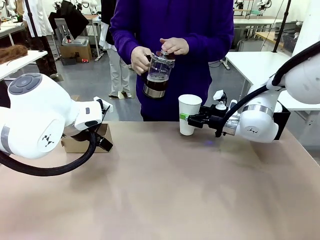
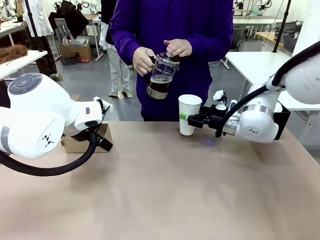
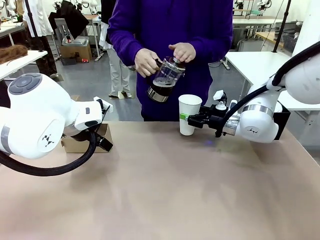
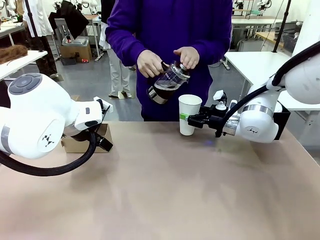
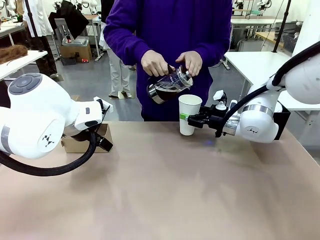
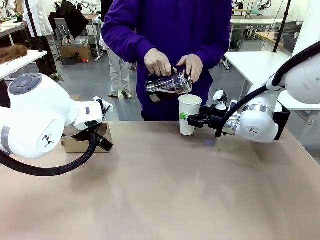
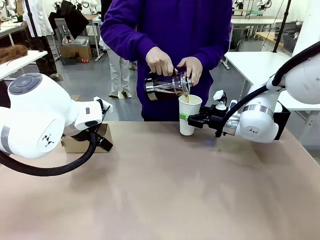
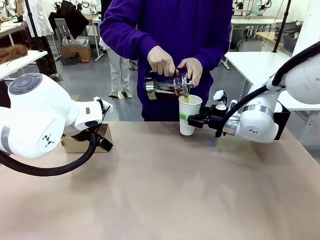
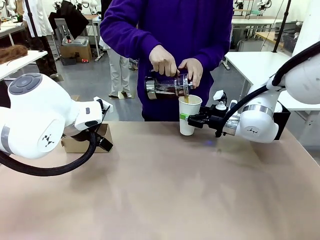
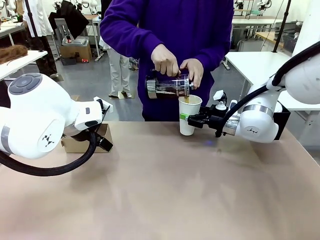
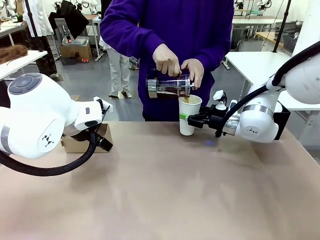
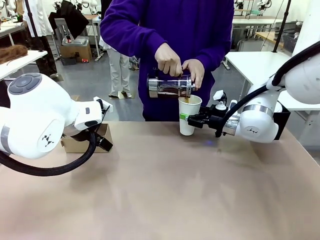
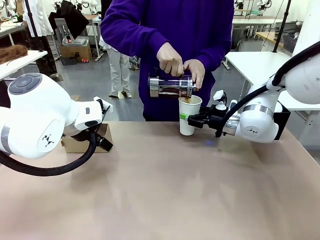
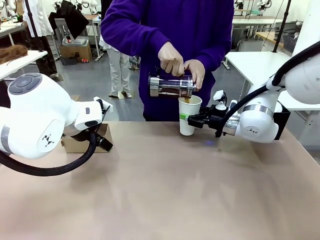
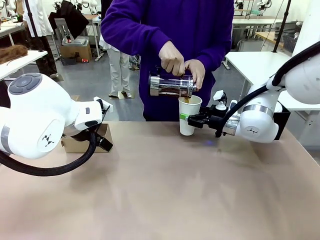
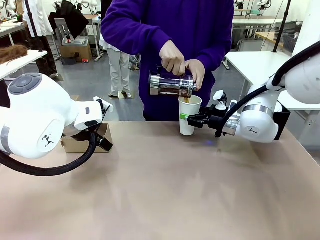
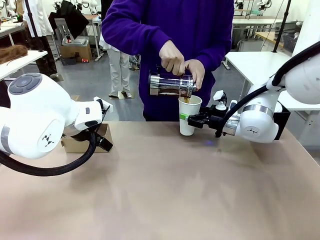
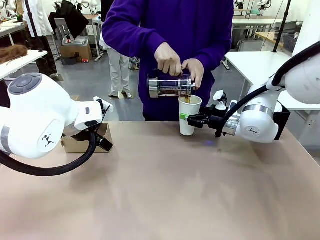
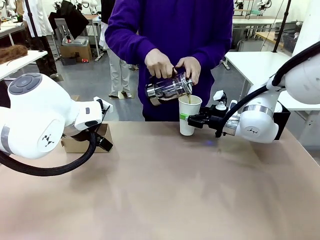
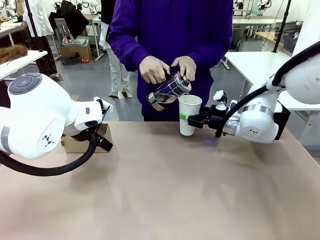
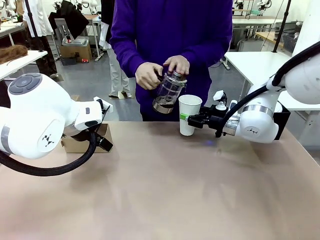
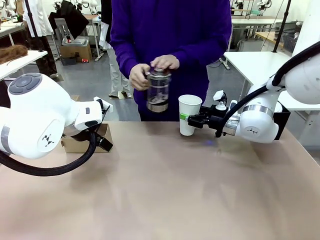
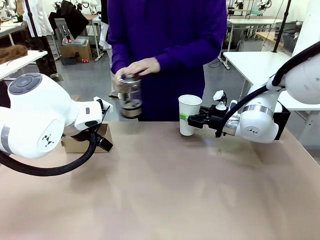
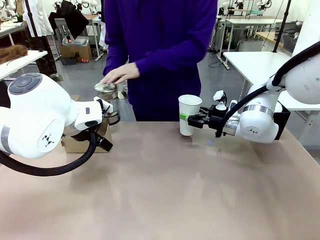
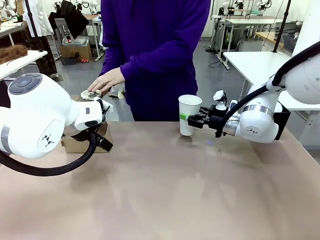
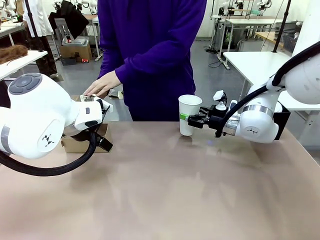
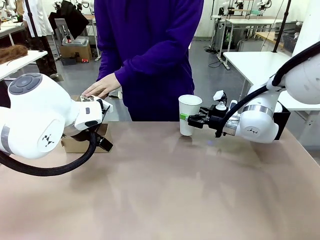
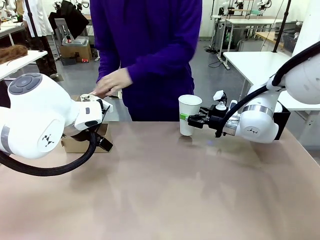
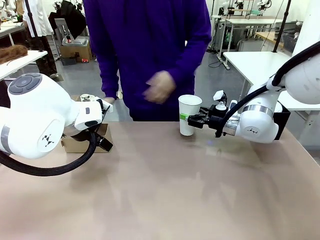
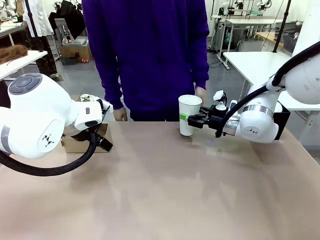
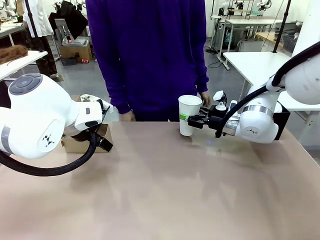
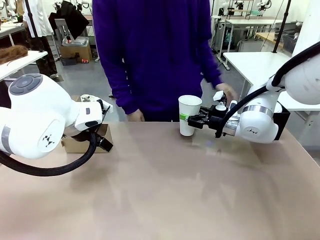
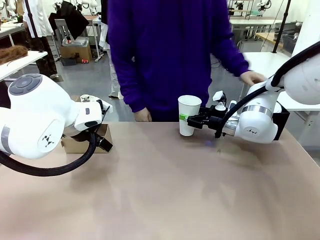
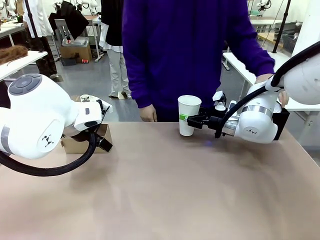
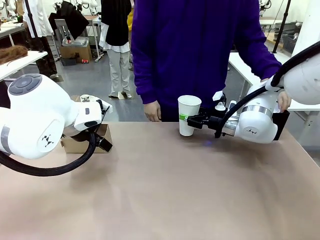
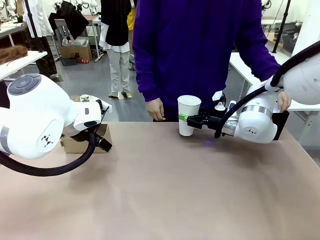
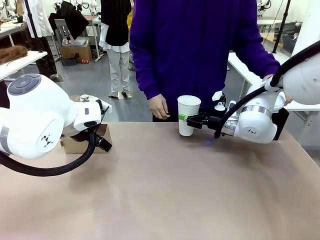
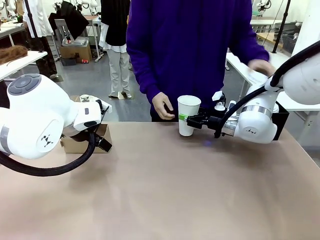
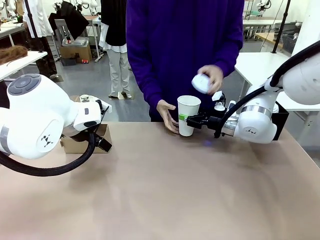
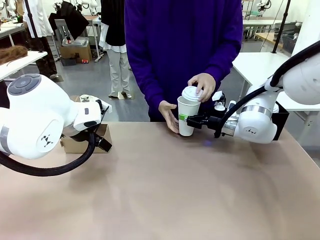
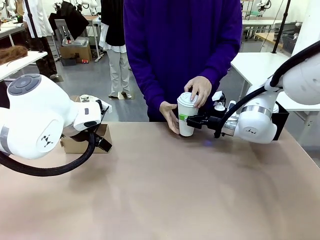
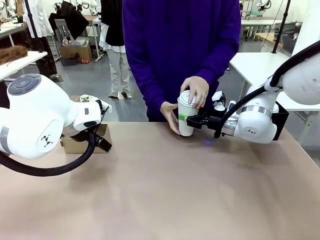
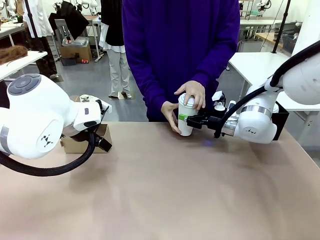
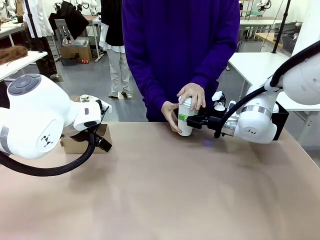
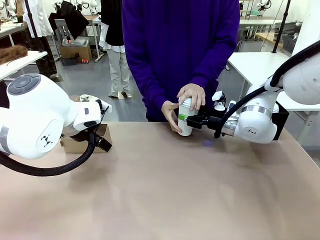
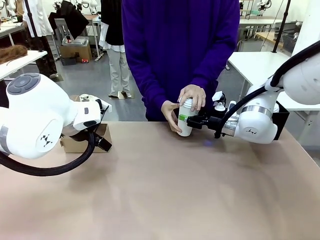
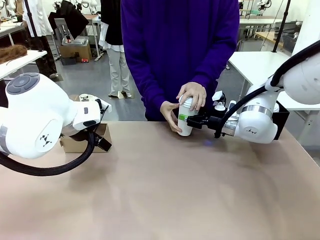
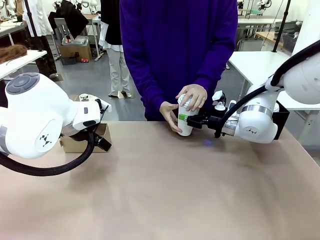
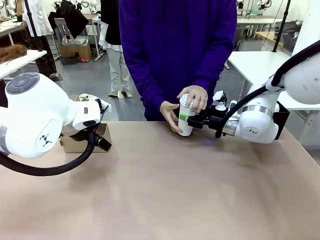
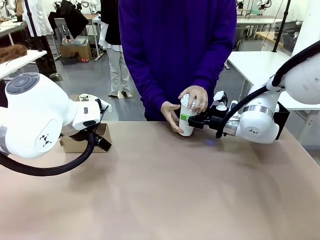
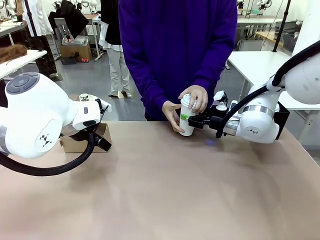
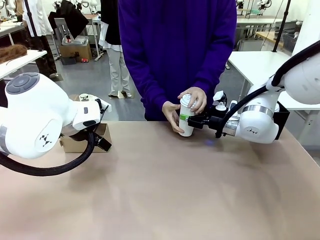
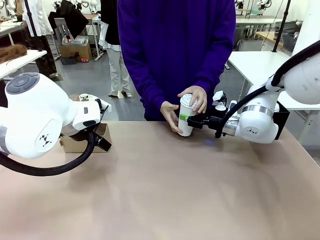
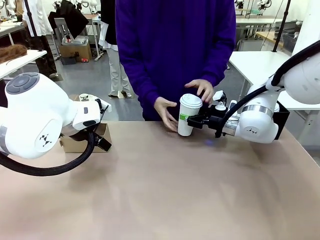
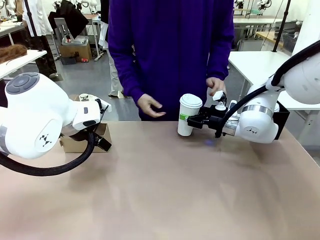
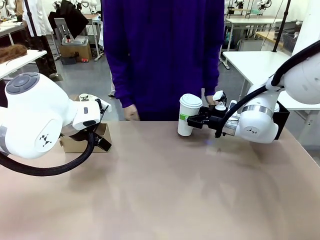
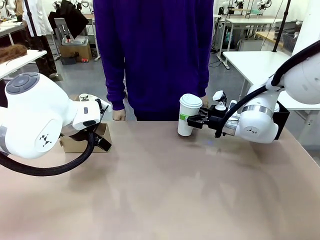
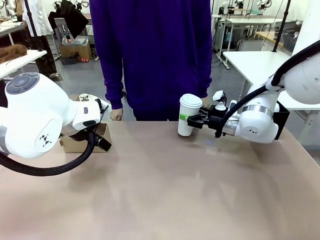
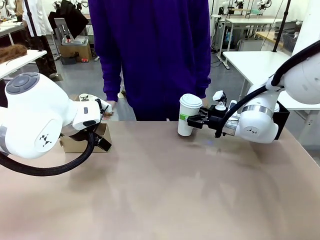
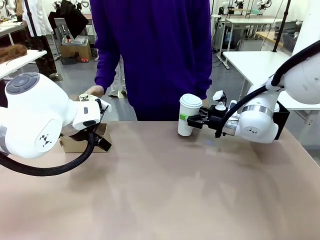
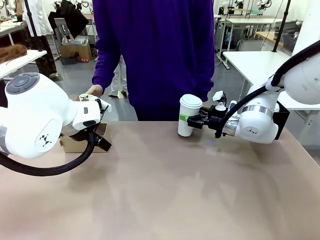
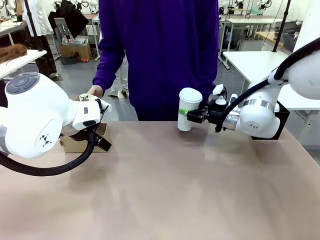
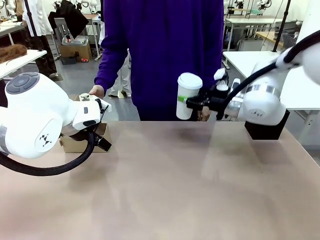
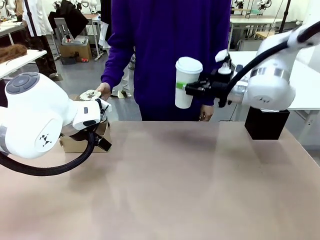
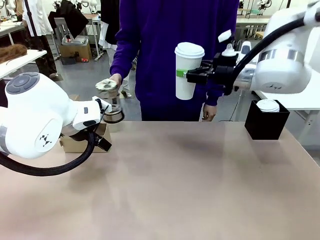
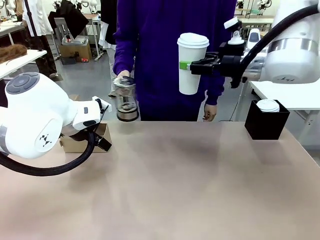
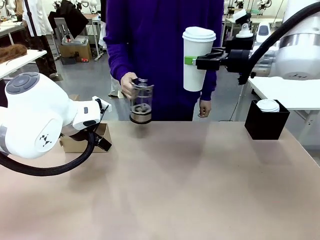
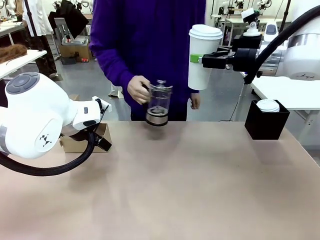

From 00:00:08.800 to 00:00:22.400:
Task: Pour a drink into a cup and package it in a carrier.
Robot: When a person places the Paper Cup Lid on the 600 ml Paper Cup , lift the 600 ml Paper Cup.
Person: Pour the drink from the Filter Brewing into the 600 ml Paper Cup. Place a Paper Cup Lid on the 600 ml Paper Cup.

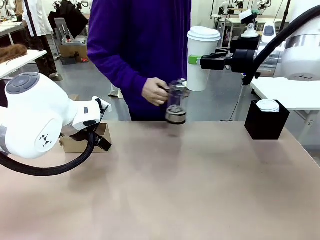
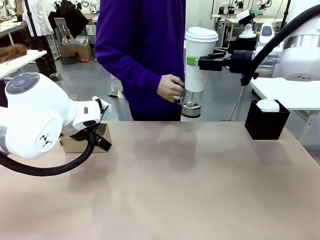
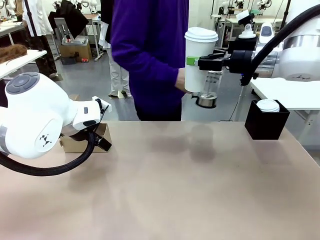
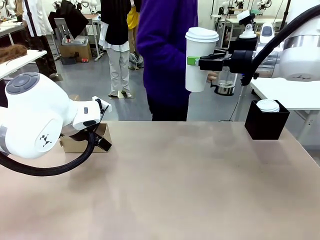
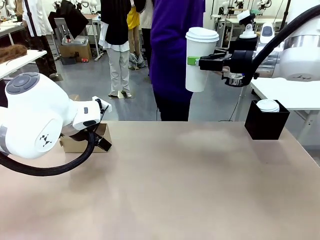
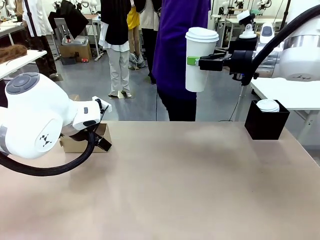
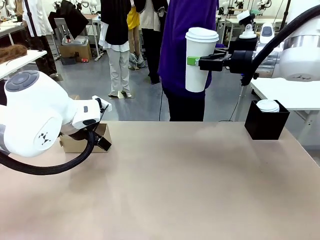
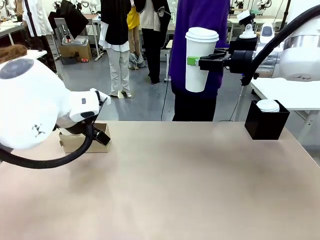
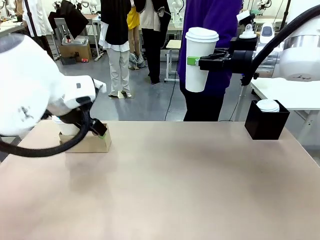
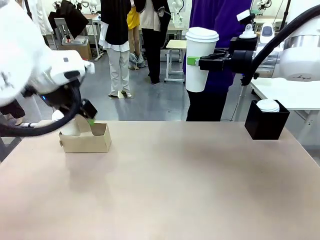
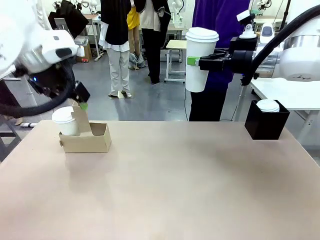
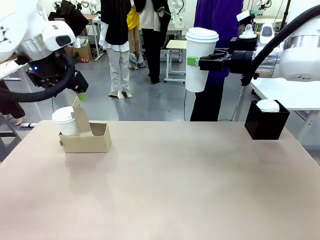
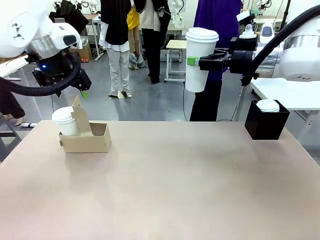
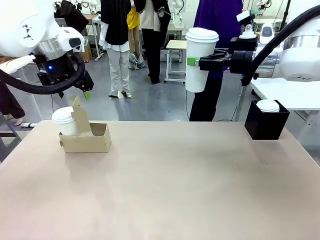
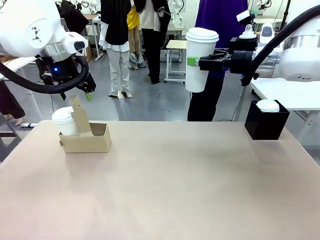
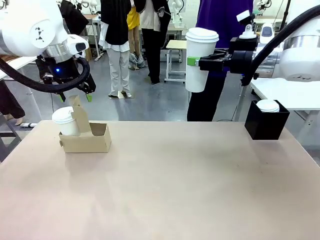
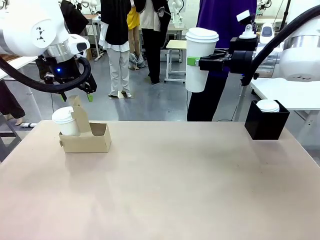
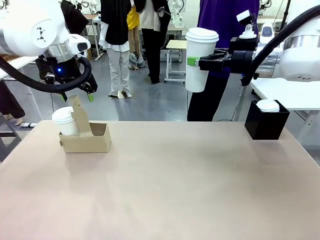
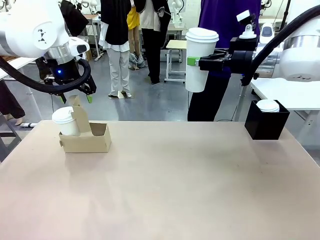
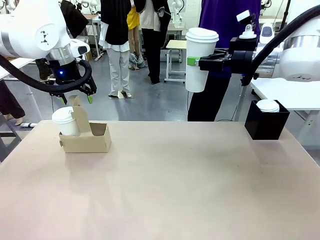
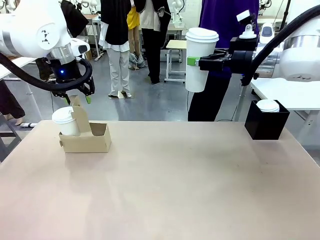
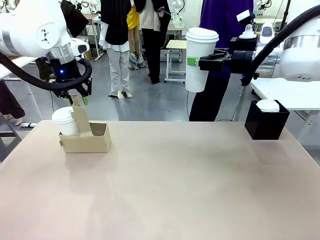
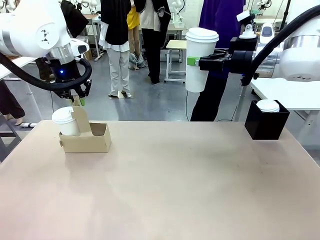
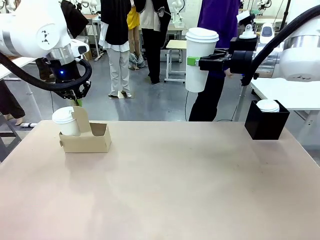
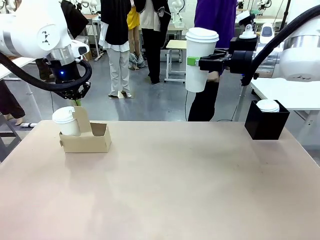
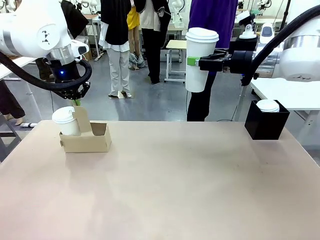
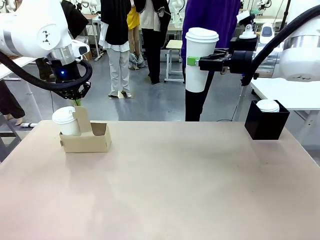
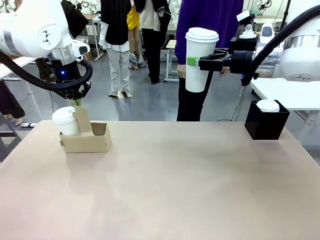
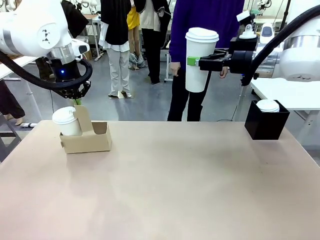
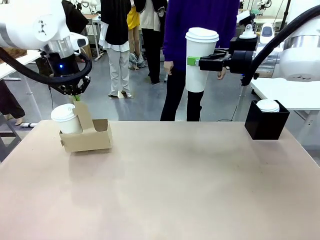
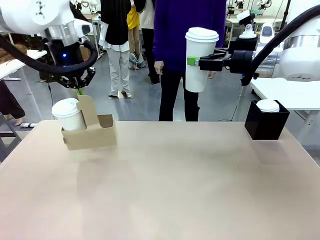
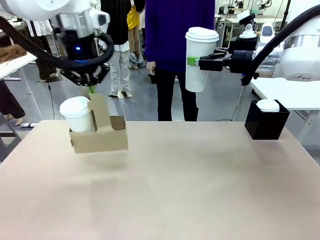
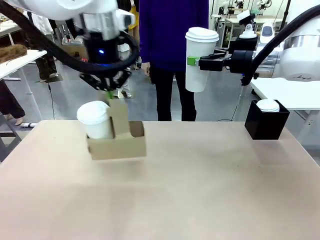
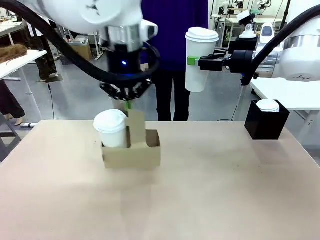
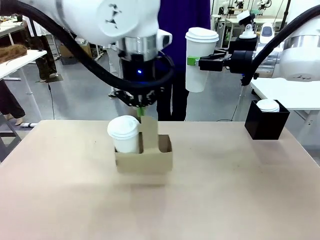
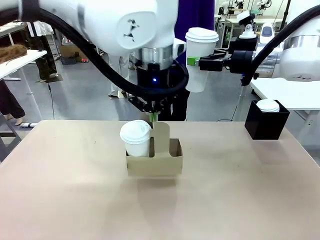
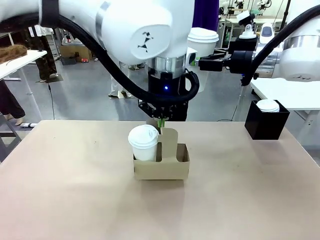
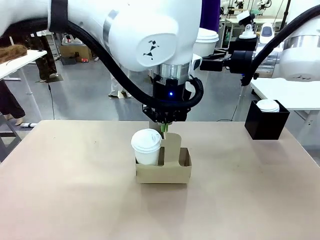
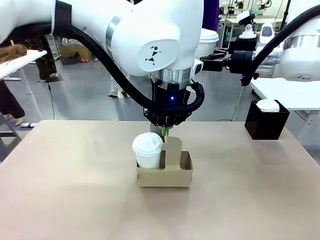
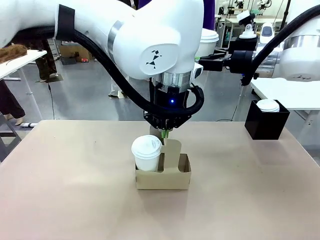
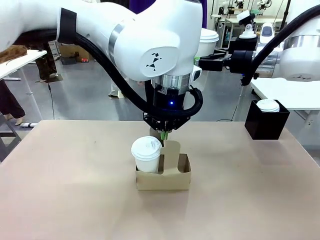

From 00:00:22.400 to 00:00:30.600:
Robot: Position the Cup Carrier in the center of the table.
Person: Pick up the Filter Brewing and place on the middle of Human table, and return to the Robot table.
